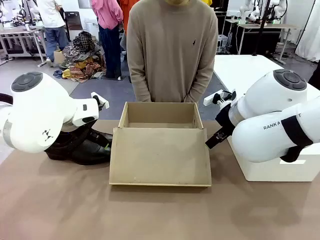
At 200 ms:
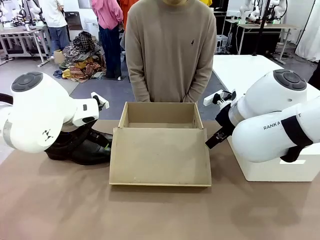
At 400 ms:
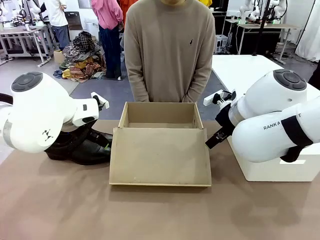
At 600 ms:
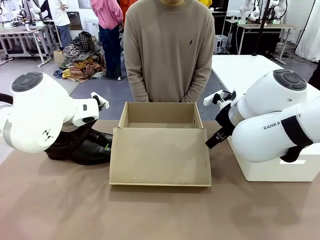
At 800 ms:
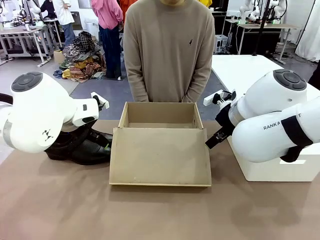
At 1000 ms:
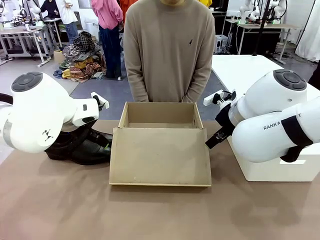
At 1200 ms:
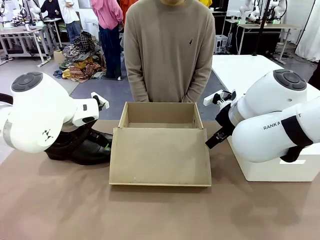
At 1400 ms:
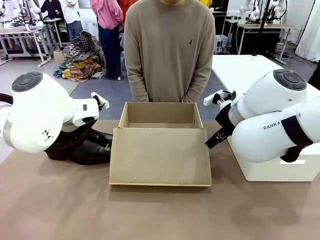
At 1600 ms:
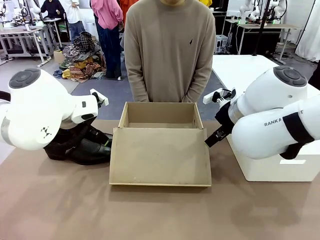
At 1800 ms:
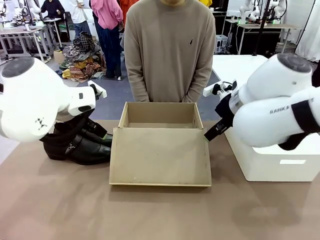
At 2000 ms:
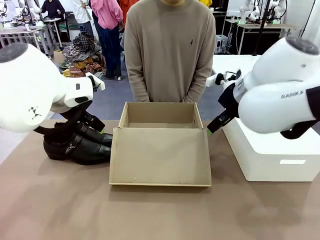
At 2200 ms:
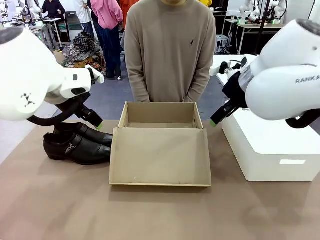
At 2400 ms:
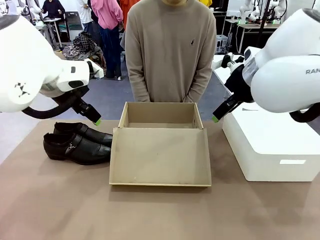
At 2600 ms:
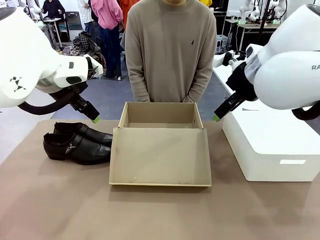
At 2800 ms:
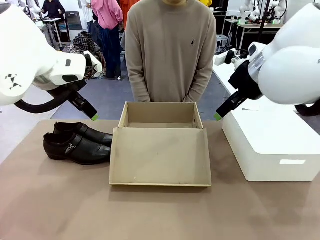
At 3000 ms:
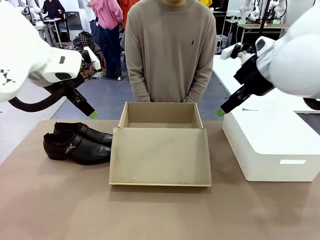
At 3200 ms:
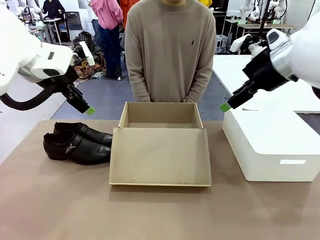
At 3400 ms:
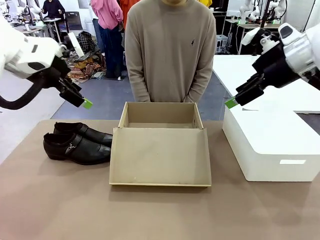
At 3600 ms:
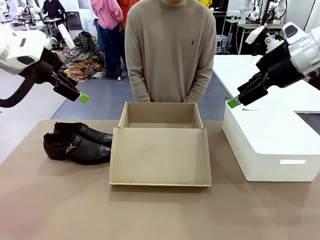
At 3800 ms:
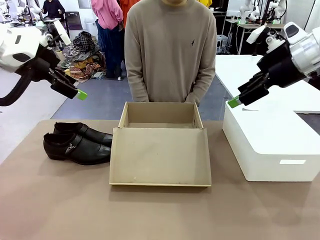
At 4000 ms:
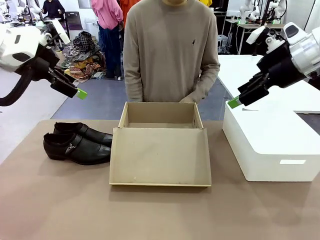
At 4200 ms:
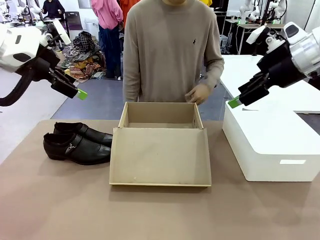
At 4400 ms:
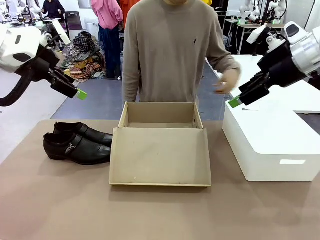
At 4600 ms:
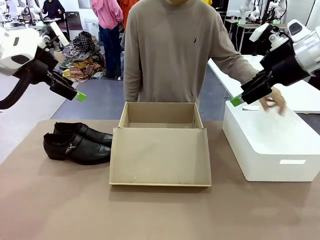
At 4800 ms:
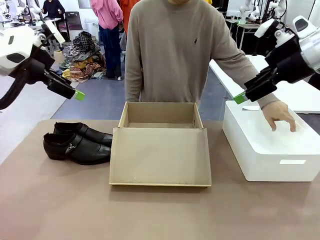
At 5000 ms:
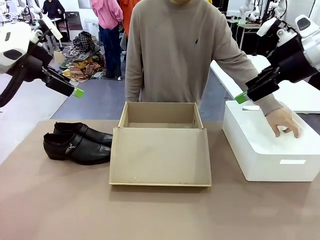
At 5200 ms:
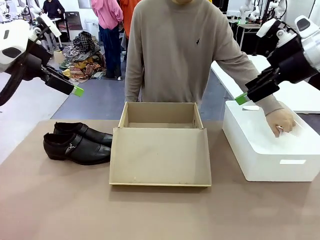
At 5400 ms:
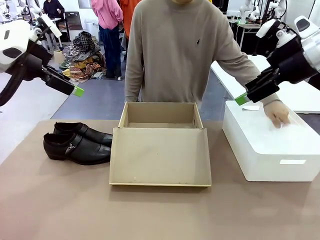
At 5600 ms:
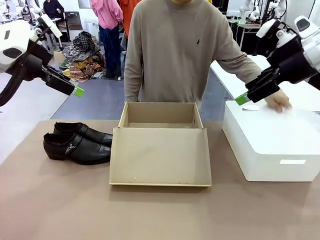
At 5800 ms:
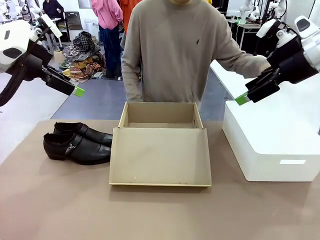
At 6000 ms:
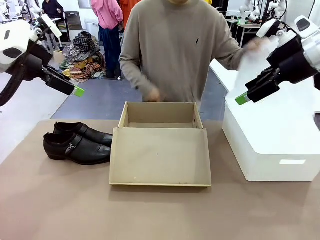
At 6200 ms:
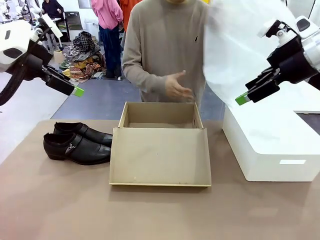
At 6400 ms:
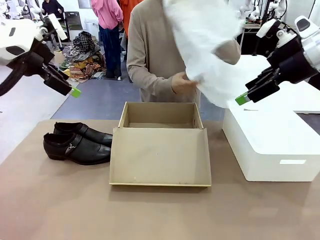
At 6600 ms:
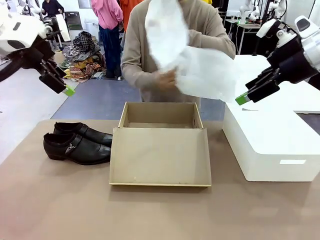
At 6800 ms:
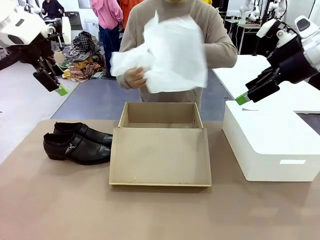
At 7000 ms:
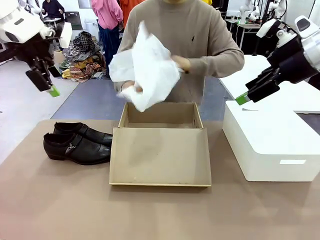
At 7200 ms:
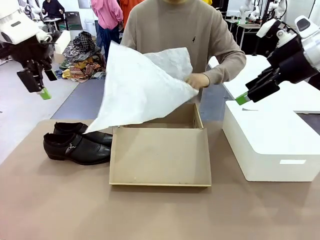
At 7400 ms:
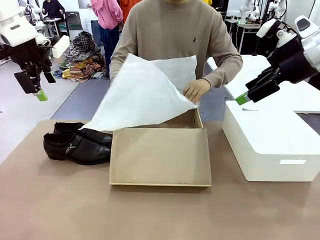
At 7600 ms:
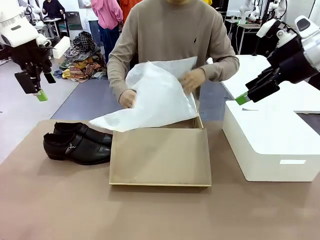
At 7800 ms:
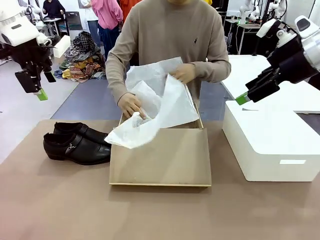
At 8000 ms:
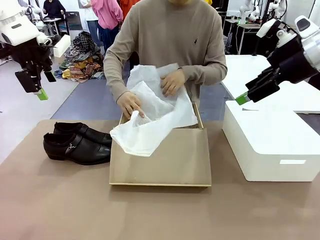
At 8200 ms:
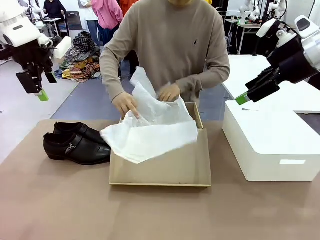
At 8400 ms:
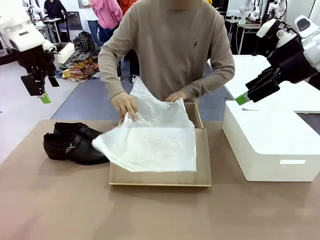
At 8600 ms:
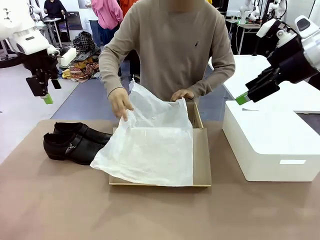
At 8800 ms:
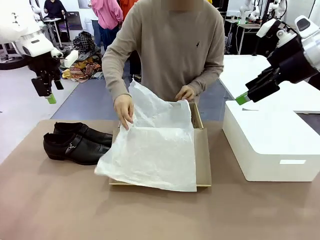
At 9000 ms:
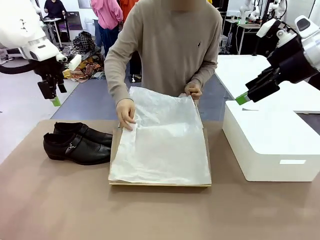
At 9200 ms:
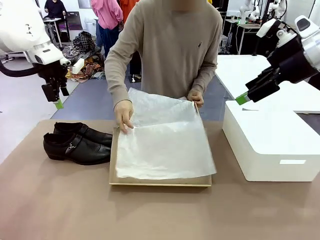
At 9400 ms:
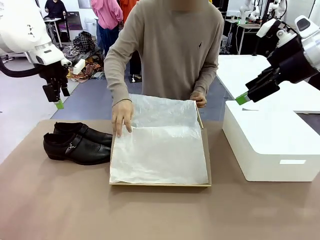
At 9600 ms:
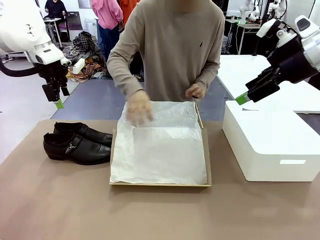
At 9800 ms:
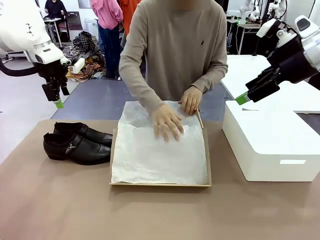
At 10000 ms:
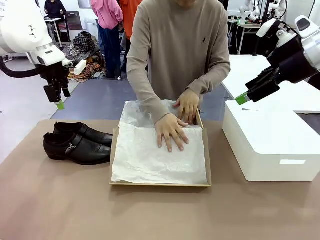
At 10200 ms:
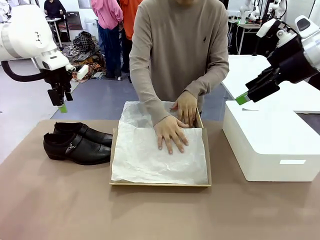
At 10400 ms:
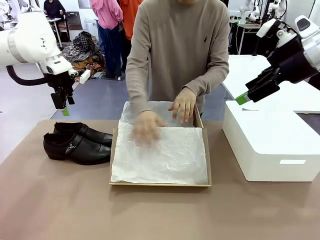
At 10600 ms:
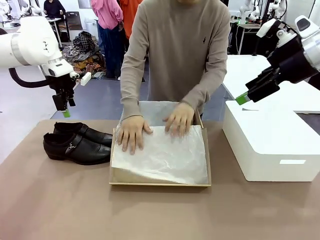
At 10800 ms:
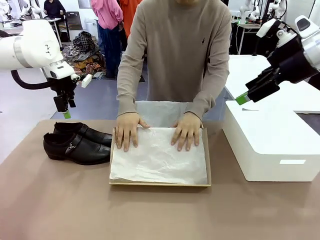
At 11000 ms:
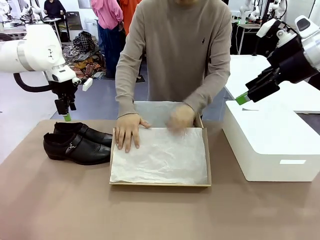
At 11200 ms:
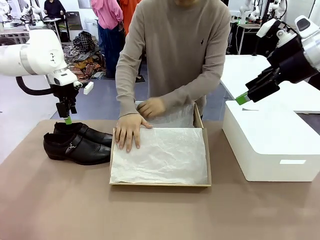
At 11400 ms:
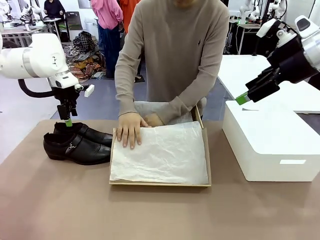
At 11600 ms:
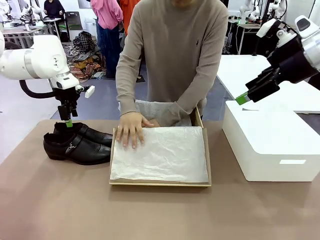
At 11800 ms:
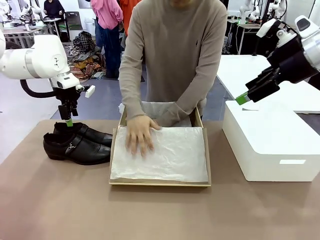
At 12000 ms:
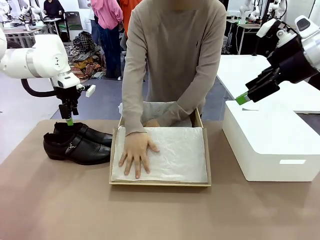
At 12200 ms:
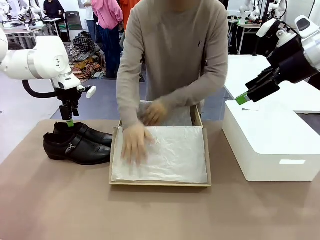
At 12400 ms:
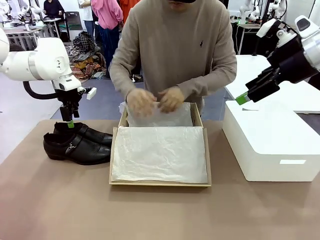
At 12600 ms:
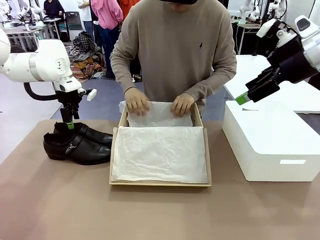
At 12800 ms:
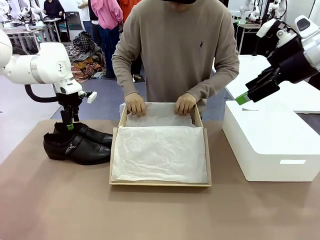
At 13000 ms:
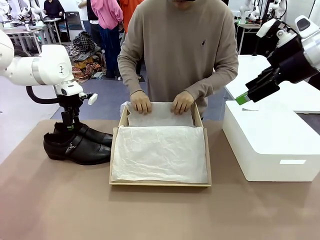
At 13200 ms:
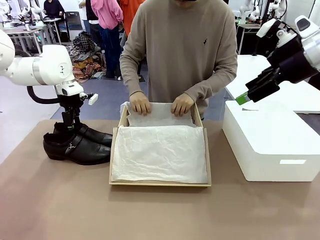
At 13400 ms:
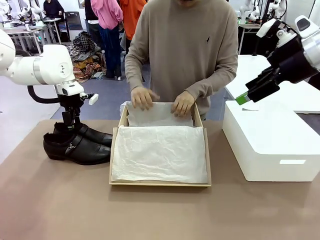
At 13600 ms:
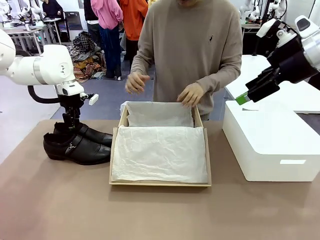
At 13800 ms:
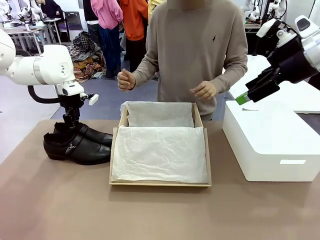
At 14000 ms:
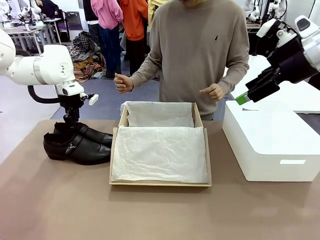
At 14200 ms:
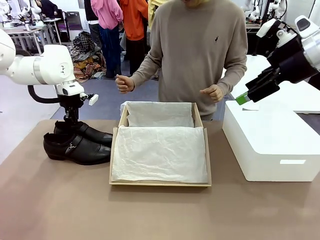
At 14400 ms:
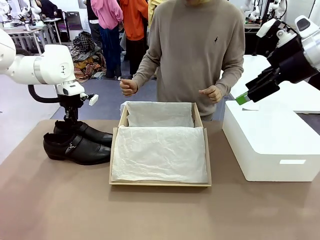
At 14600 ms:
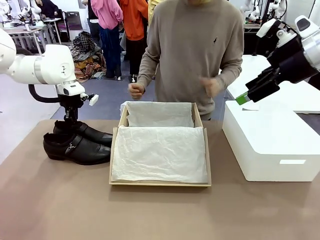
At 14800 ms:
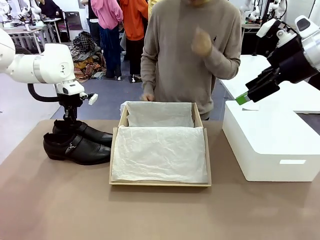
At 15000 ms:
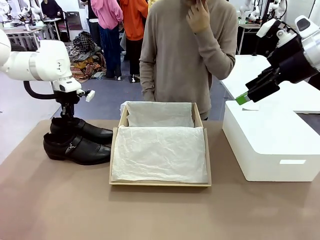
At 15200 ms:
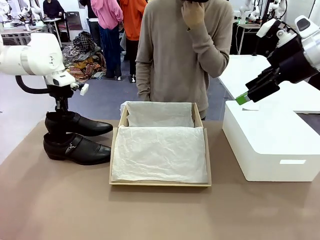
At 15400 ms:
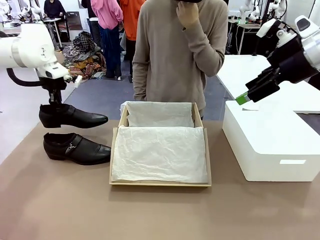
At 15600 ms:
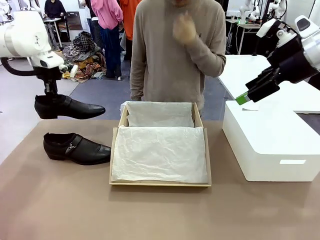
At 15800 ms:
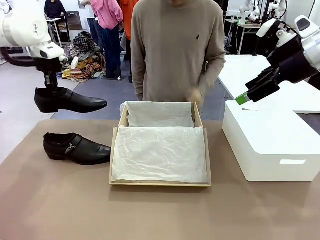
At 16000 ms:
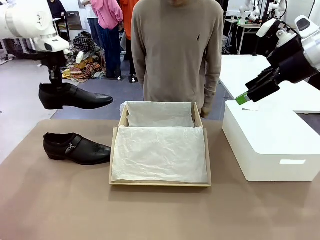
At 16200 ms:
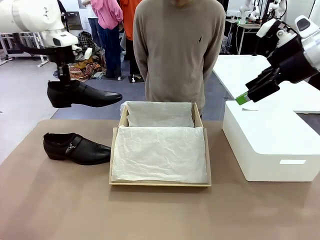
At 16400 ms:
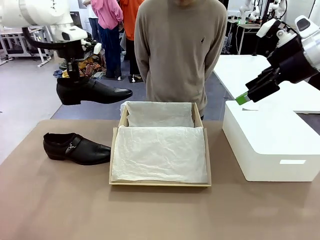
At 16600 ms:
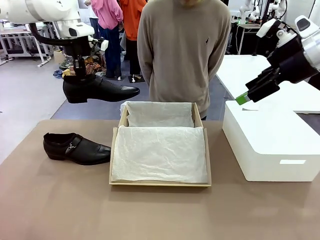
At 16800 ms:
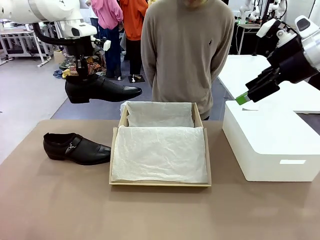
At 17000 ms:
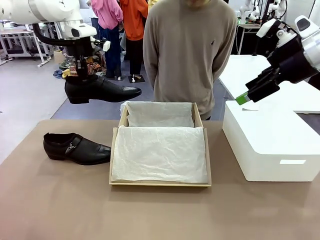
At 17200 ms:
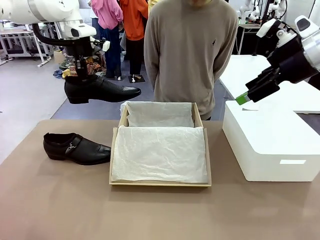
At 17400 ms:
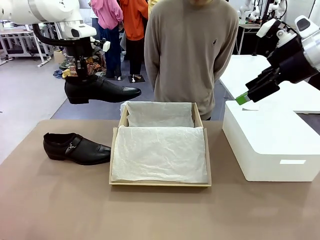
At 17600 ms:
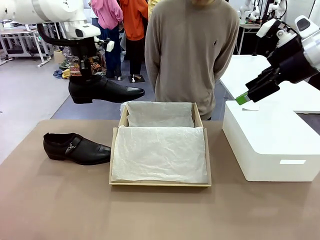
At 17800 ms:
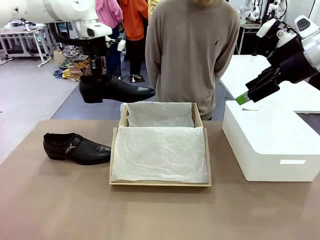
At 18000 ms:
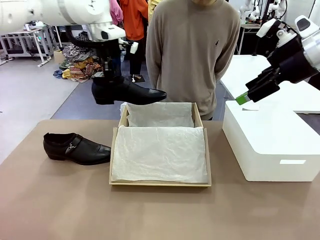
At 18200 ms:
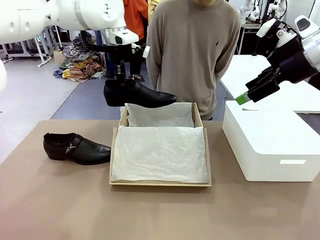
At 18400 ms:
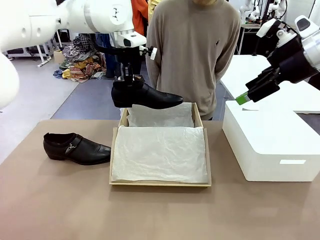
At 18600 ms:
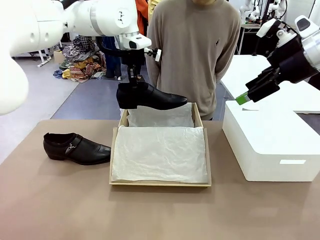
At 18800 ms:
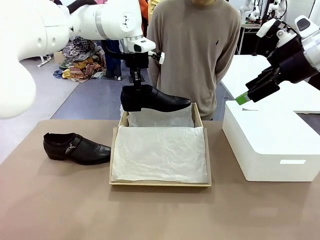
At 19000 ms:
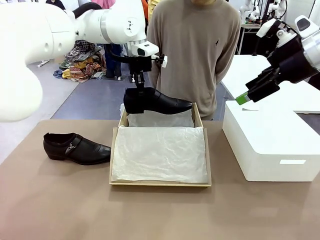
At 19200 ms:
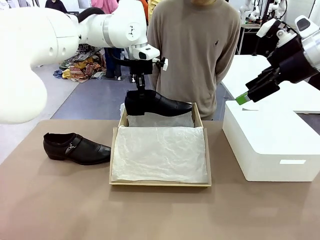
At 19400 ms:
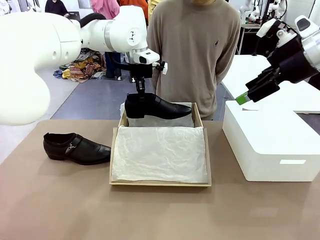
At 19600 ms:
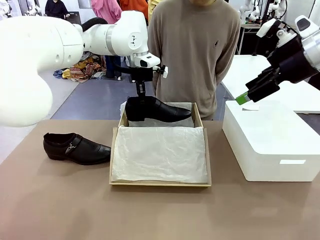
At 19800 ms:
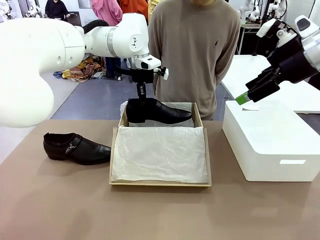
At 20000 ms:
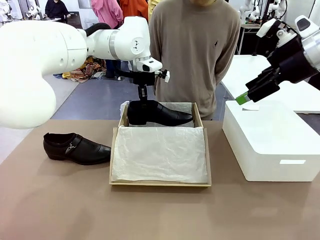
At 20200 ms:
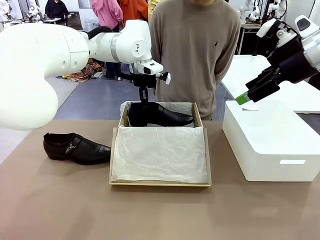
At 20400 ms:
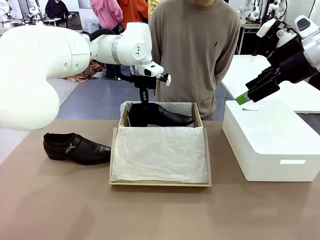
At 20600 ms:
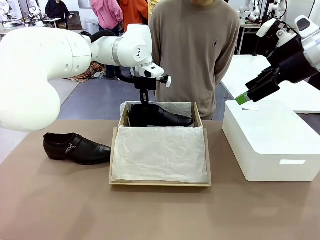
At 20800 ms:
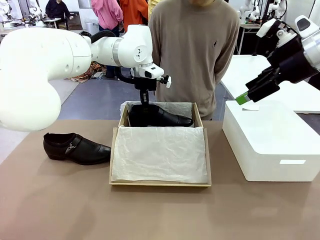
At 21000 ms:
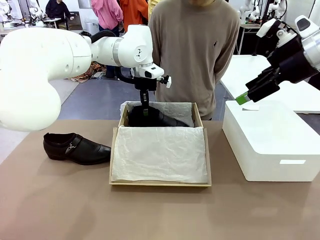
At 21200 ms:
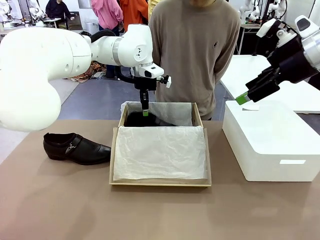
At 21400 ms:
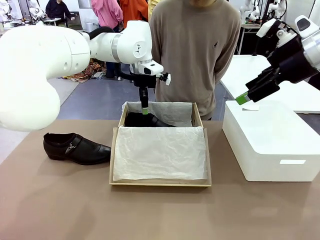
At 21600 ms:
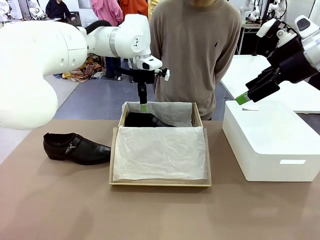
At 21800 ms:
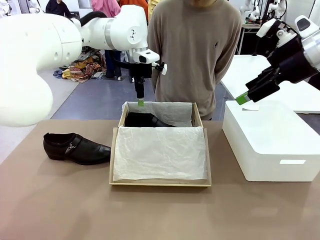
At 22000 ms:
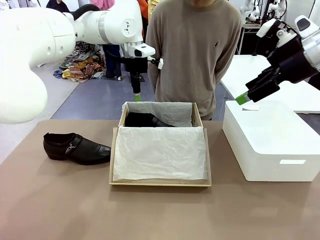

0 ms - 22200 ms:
Task: Pack the shoes into the box.
Robot: Place one shoe of the Shoes into the Shoes Box.
Person: Spread Shoes Wrapping Paper and place inside the Shoes Box.
